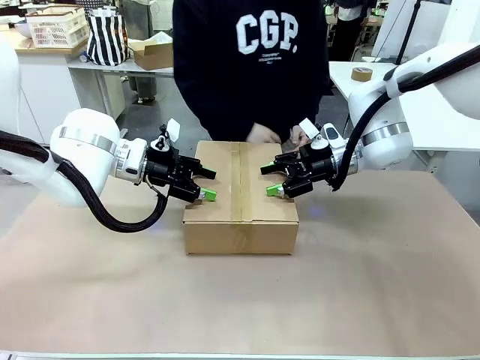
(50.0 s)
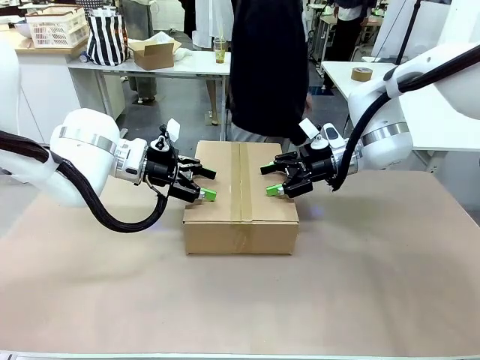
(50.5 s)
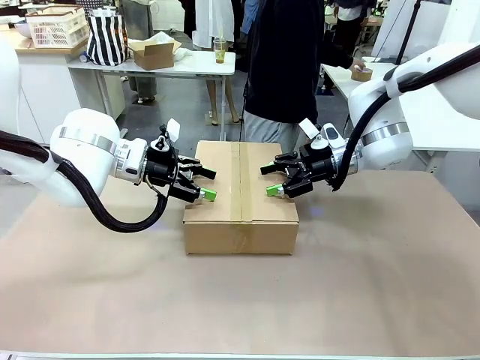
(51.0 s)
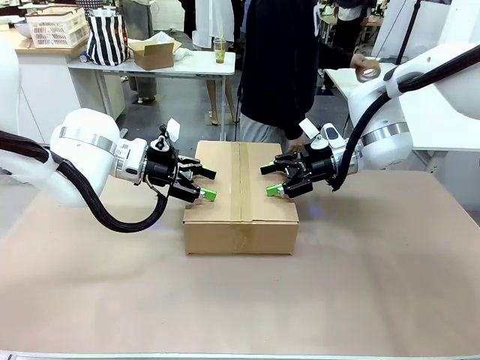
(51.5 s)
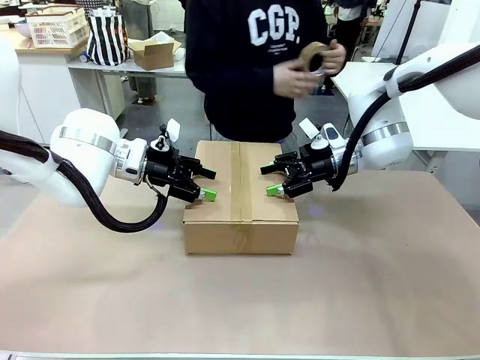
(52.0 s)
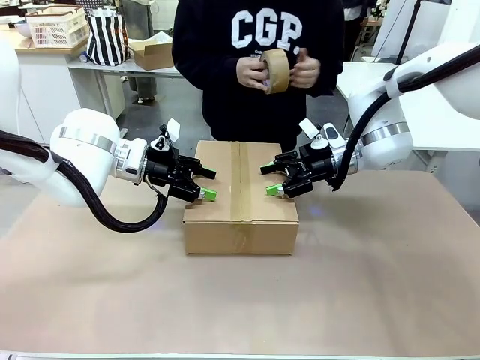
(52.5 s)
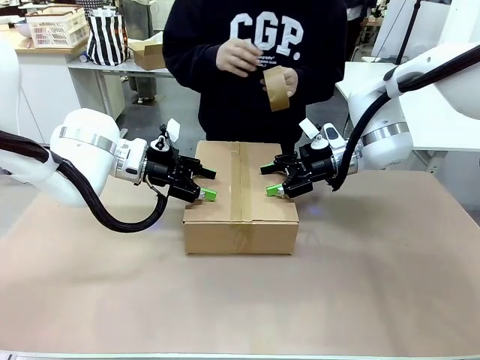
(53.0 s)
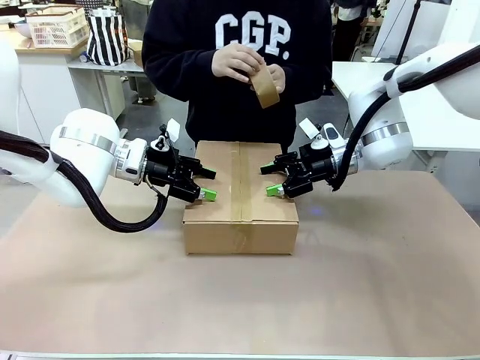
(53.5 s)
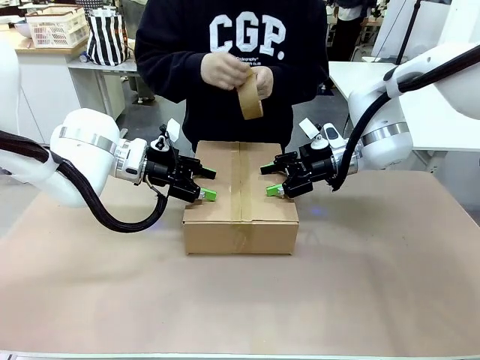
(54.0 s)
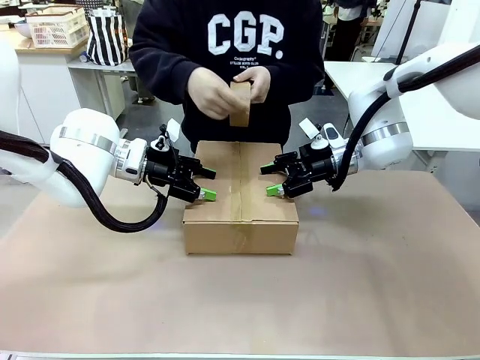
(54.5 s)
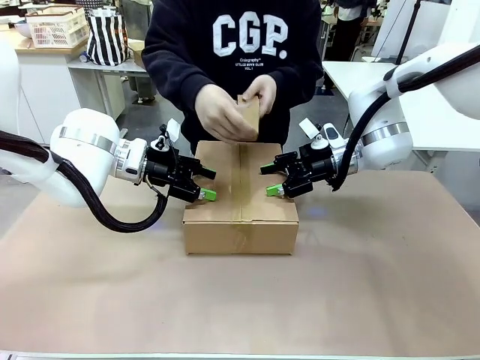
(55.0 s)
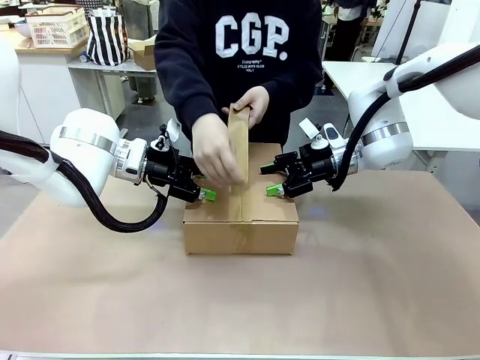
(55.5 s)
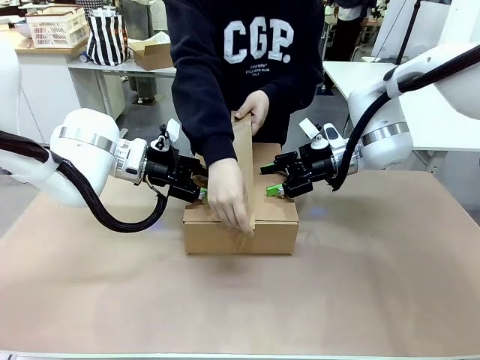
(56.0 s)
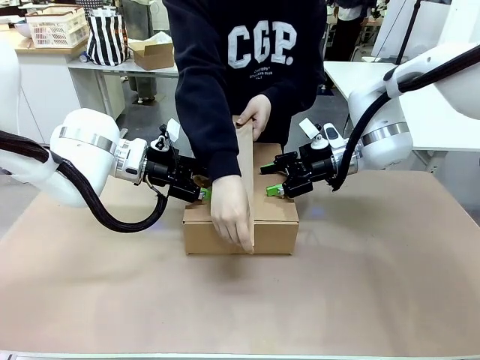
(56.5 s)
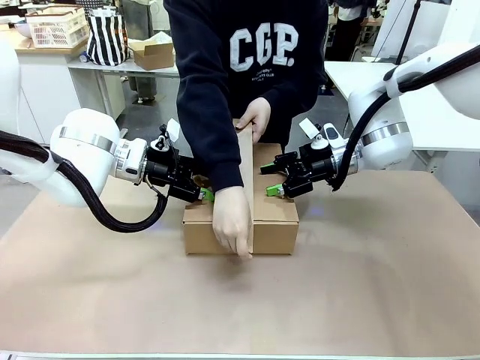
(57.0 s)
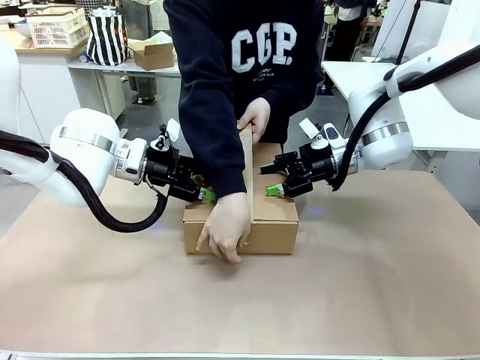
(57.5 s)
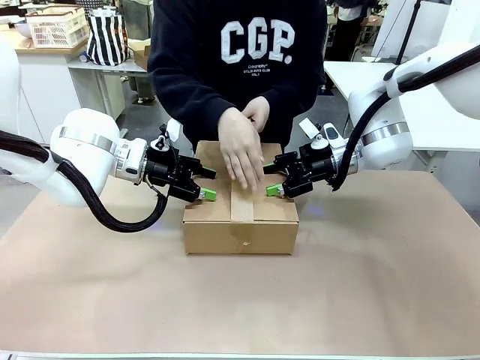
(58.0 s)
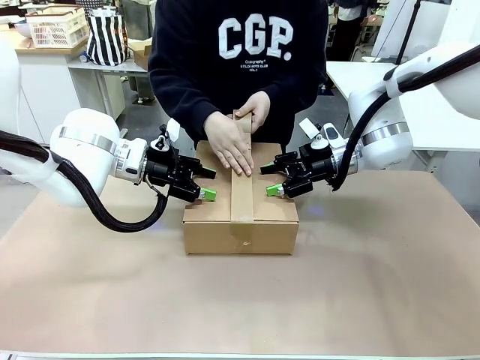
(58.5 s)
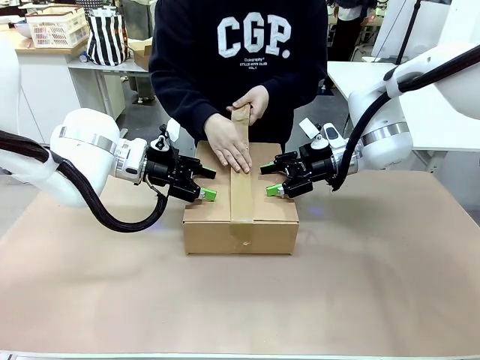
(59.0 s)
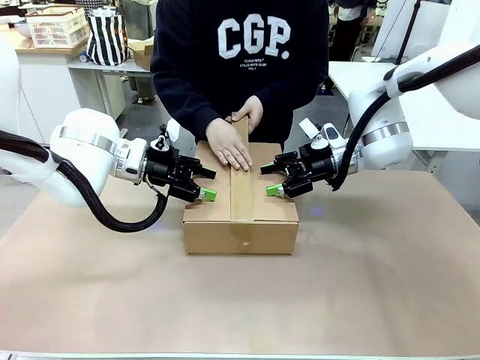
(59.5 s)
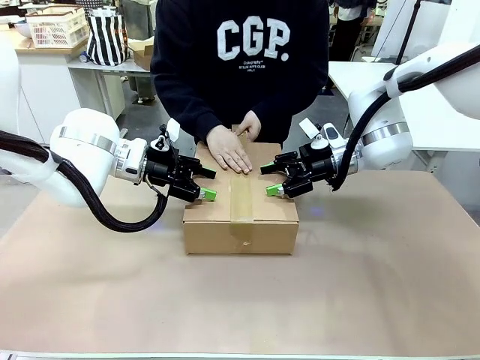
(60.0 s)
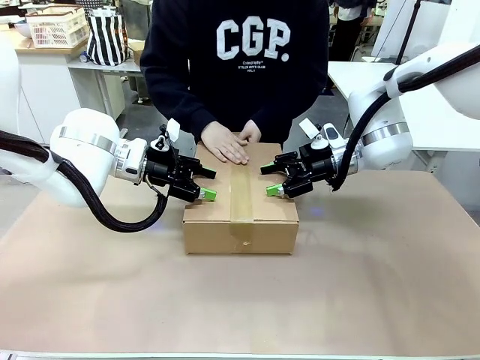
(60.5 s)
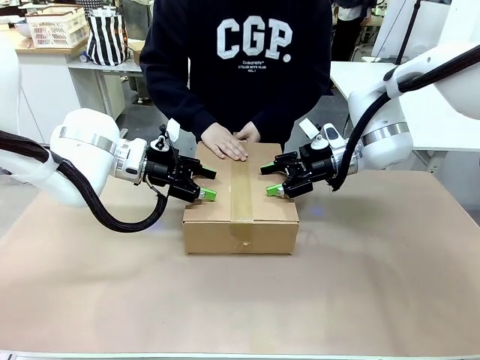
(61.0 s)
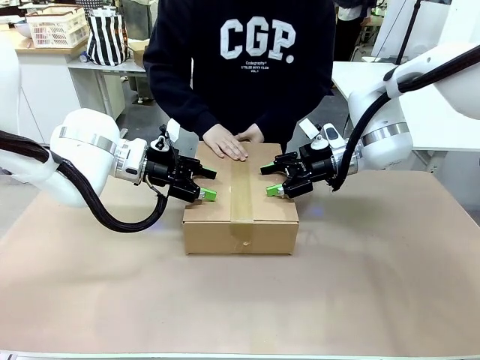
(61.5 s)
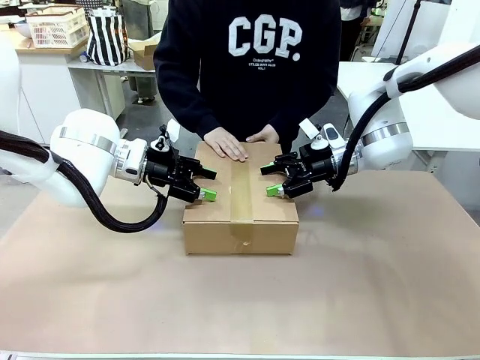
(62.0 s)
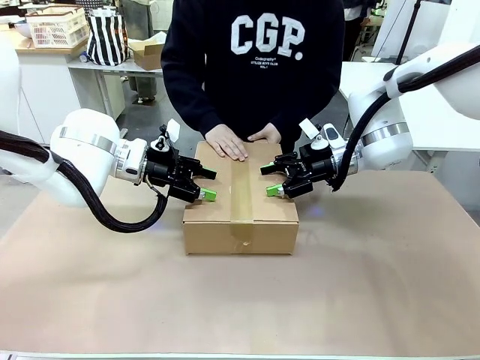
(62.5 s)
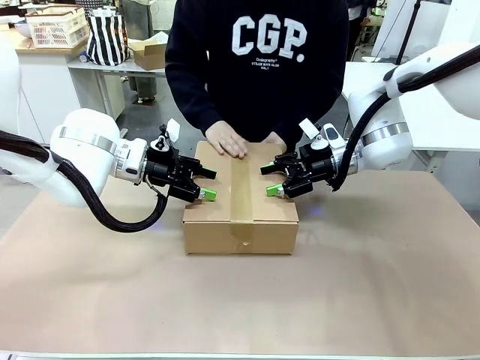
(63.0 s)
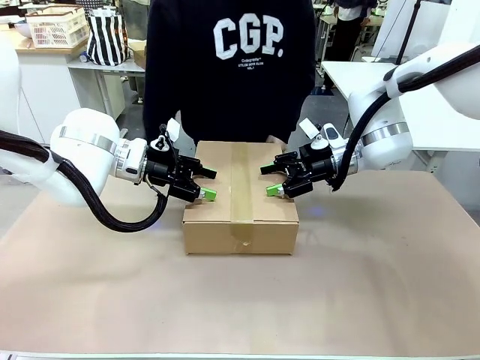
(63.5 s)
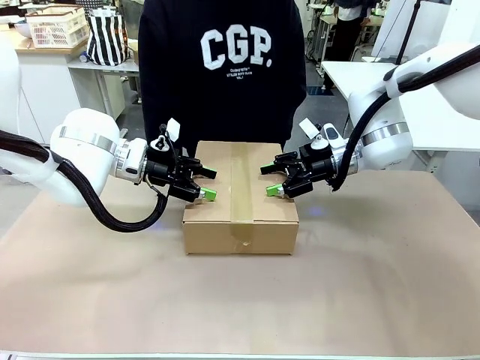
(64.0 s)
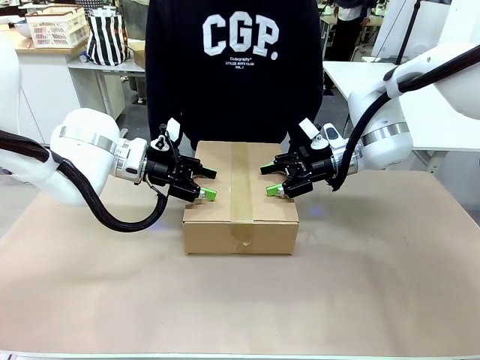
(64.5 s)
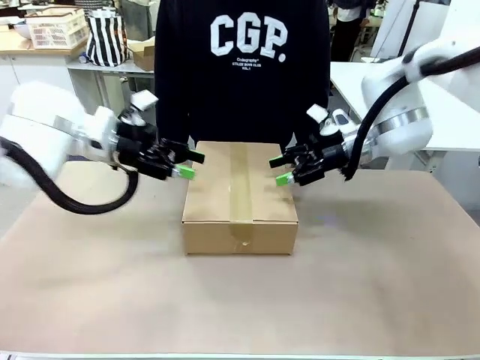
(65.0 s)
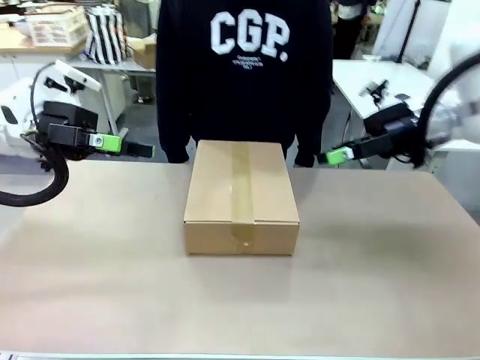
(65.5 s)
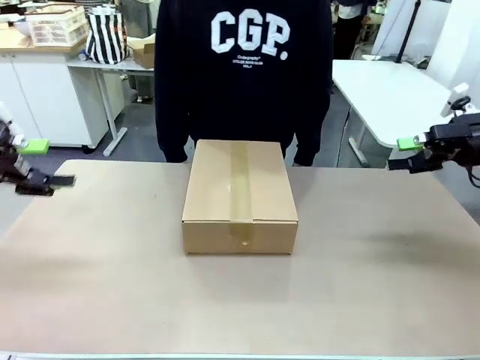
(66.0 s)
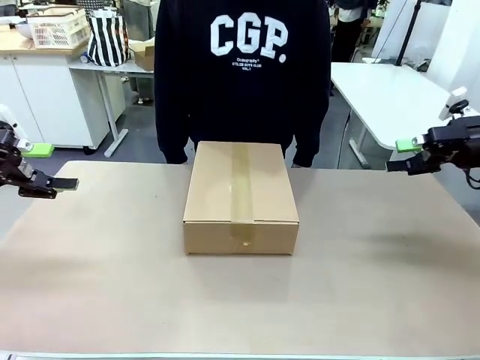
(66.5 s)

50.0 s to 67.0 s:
Task: Pack the gift set into the box.
Robot: Press and hold the closed box until the human finishes sealing it.
Person: The human picks up the paper tape from the human table and packs the box.

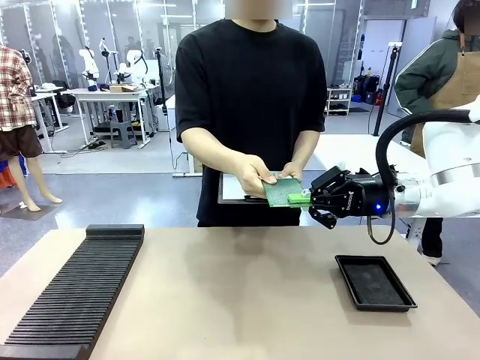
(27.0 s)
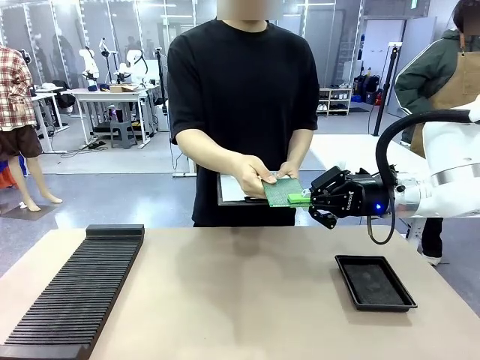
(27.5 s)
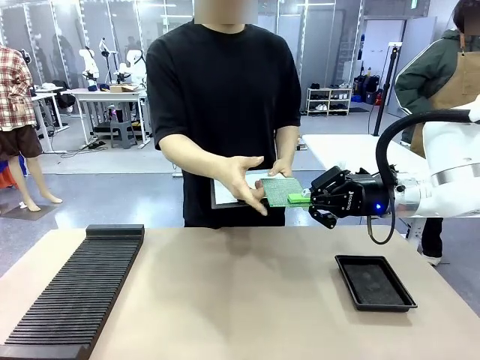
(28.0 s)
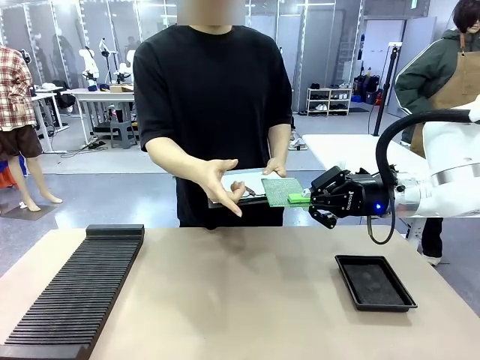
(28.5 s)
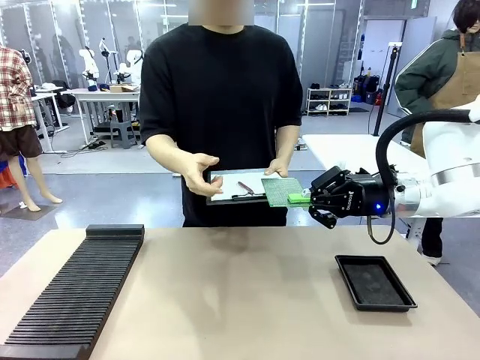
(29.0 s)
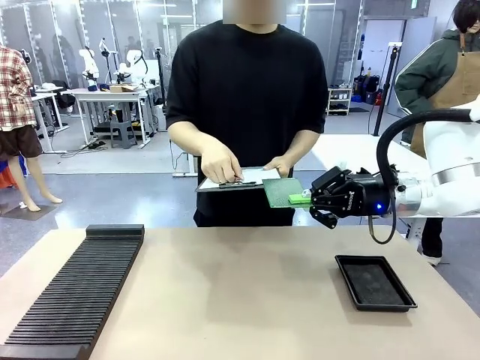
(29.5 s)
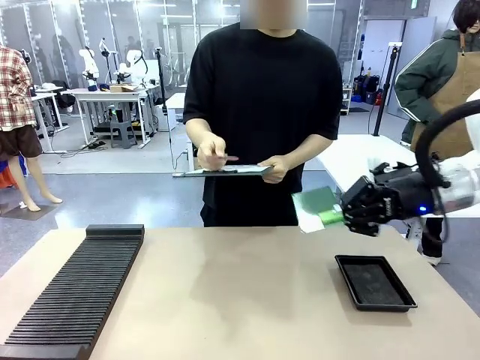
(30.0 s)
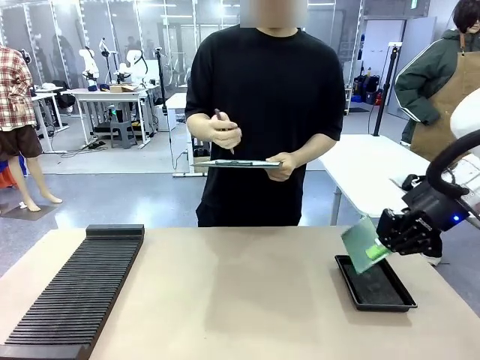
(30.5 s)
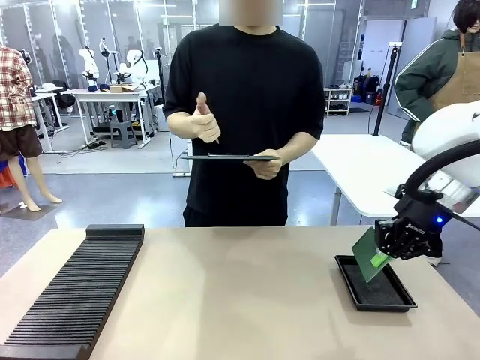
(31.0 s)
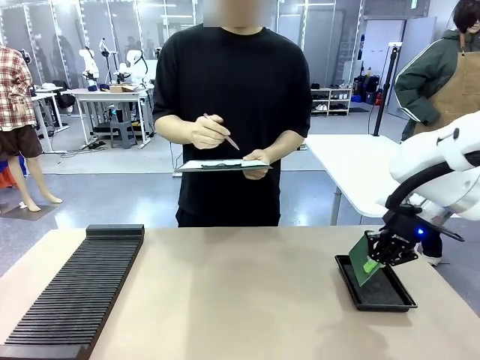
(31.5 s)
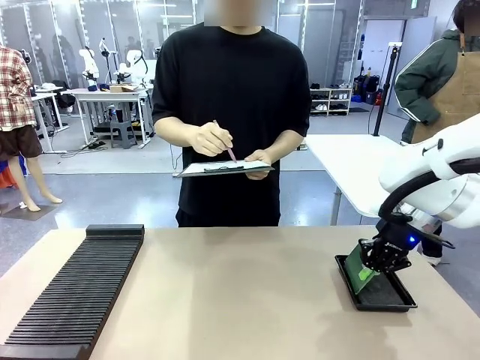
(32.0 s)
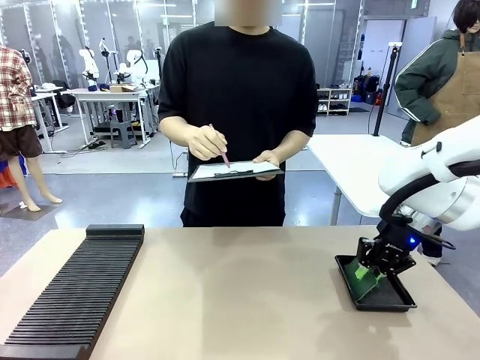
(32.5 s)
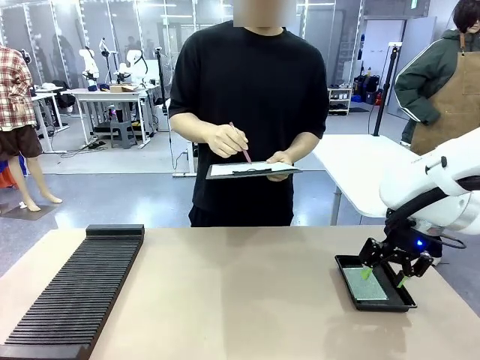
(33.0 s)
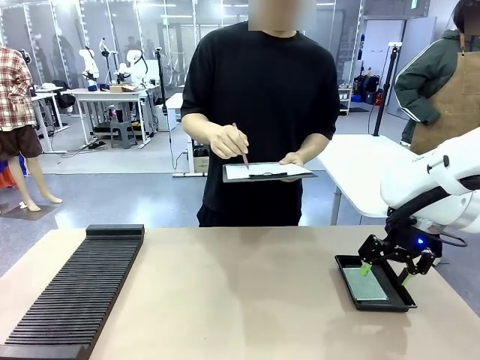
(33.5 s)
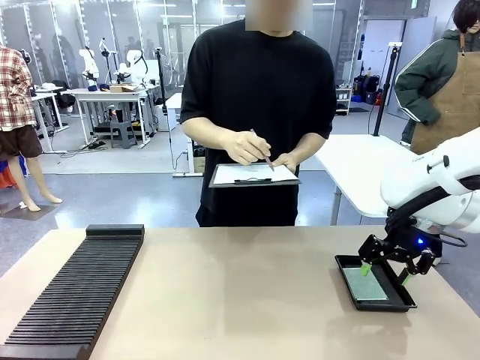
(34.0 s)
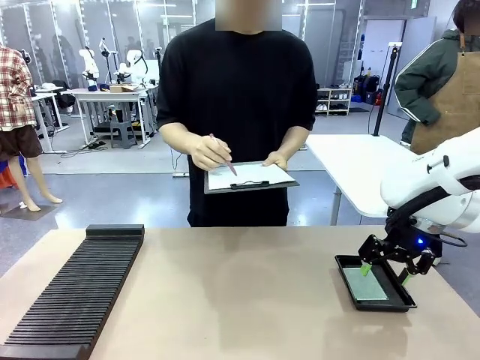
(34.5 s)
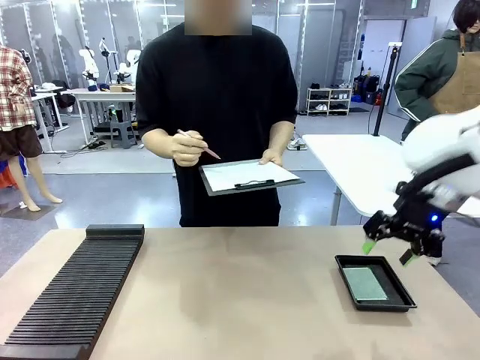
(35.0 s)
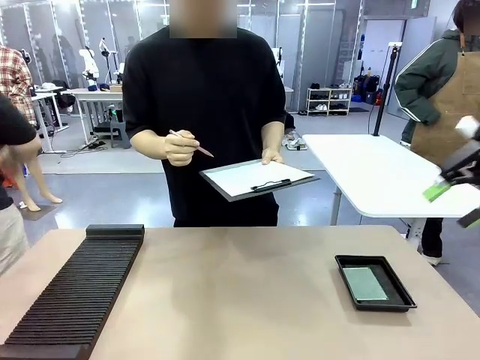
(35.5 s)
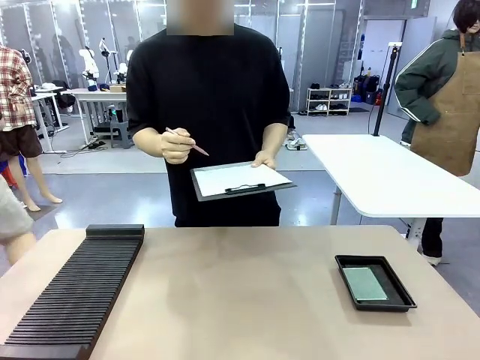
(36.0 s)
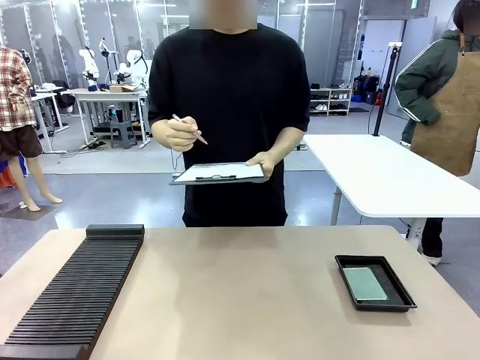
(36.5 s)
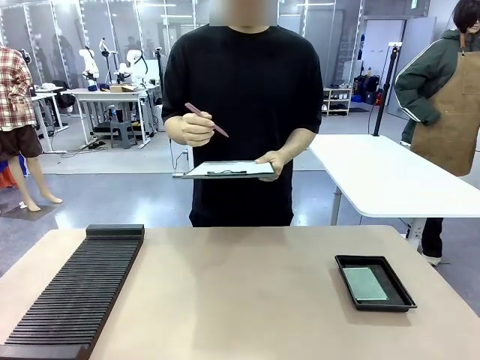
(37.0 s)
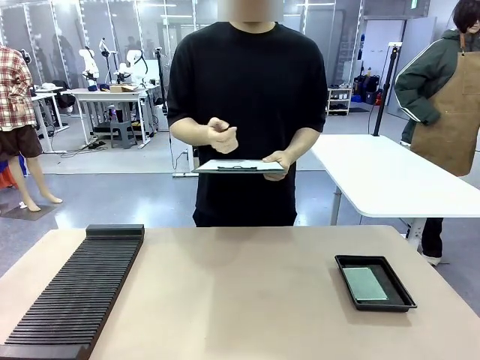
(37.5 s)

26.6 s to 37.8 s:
Task: Inspect the PCB.
Robot: Place the Blank PCB in the ESD tray.
Person: Record the PCB status on the paper.
